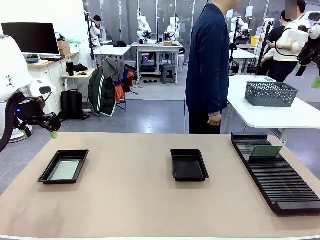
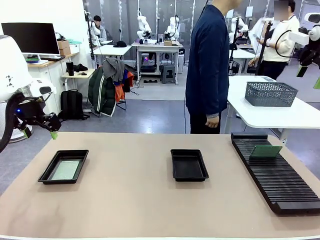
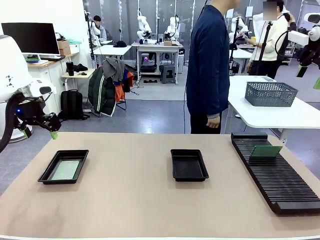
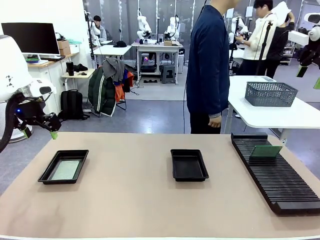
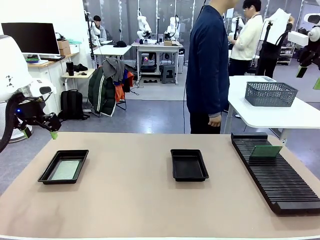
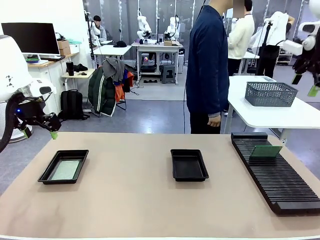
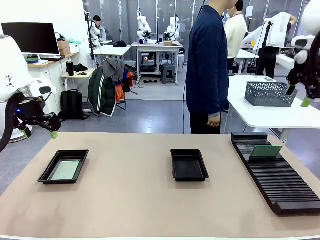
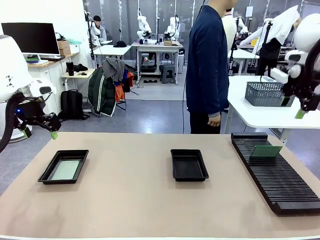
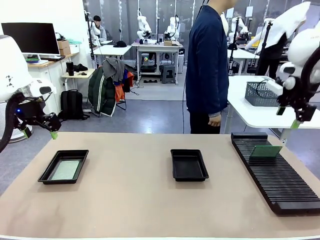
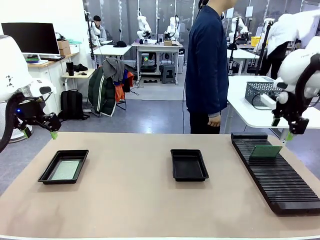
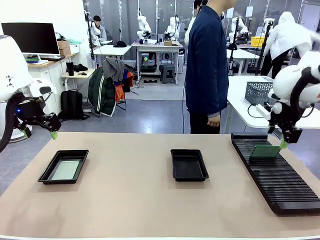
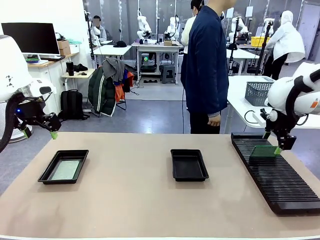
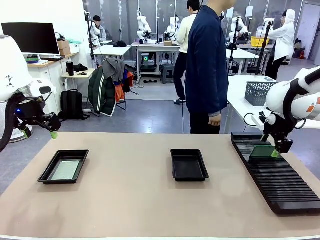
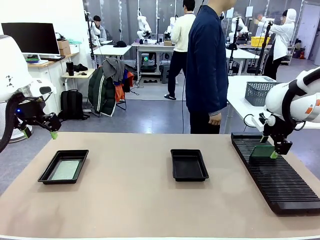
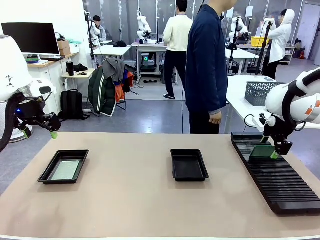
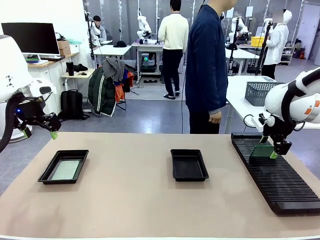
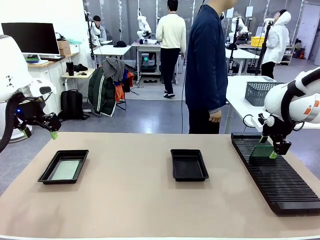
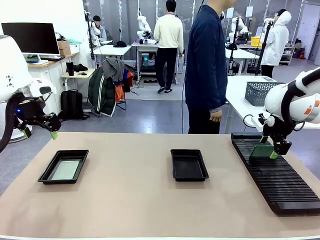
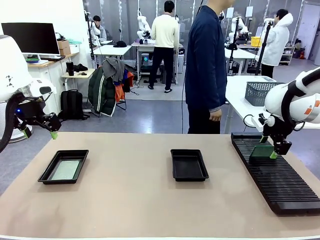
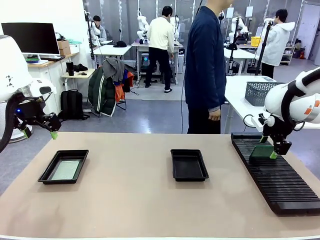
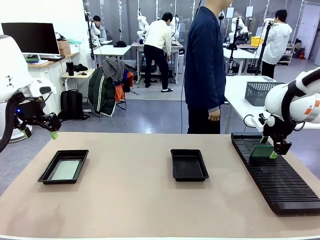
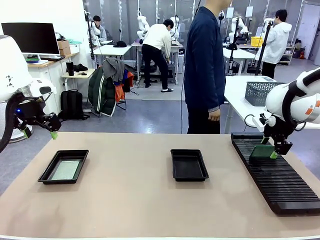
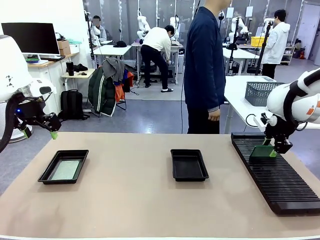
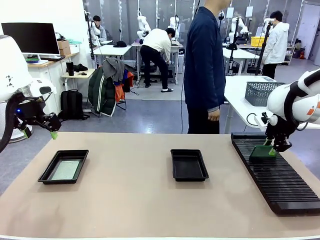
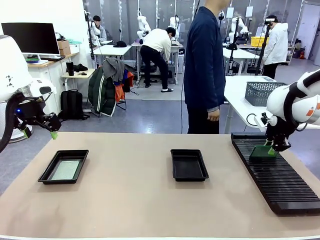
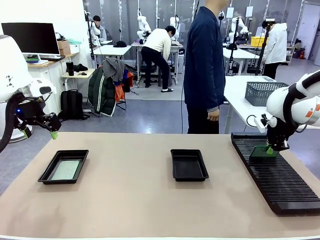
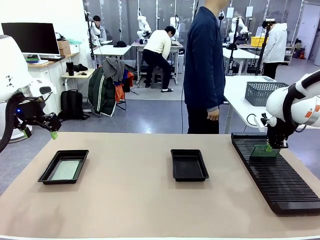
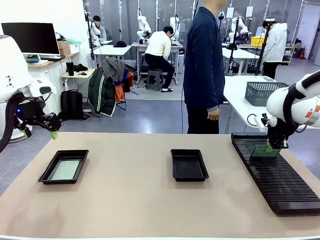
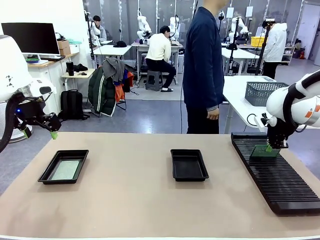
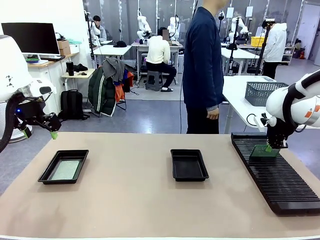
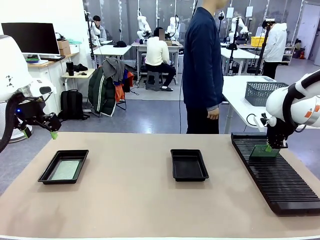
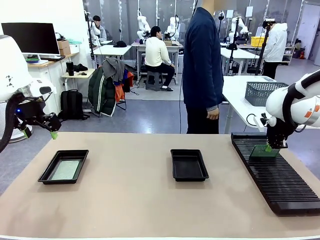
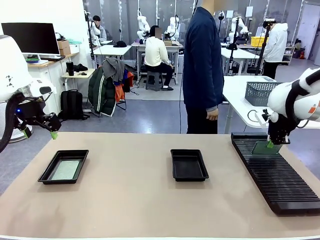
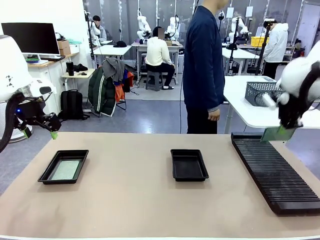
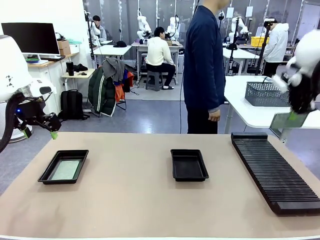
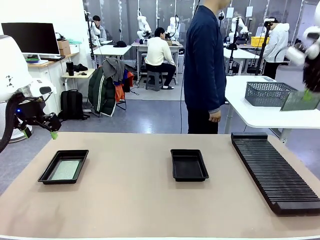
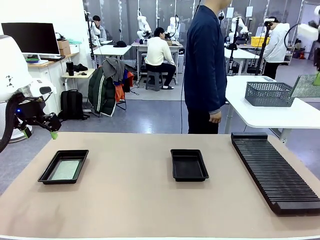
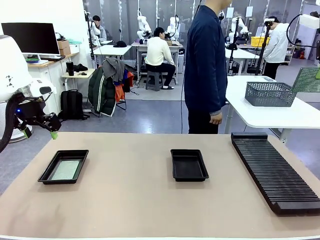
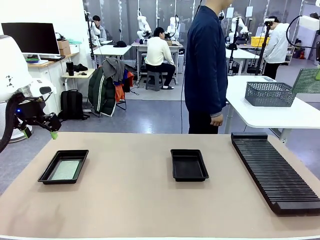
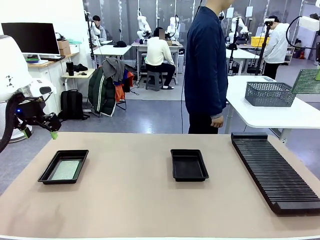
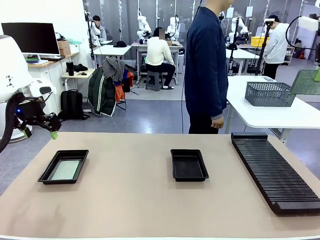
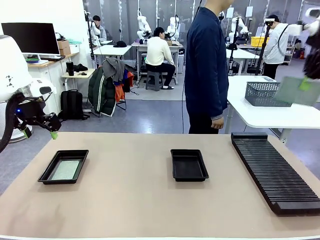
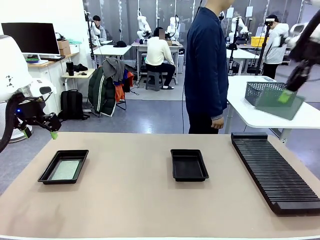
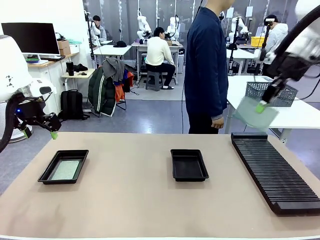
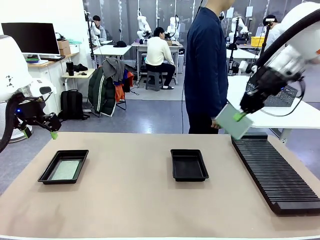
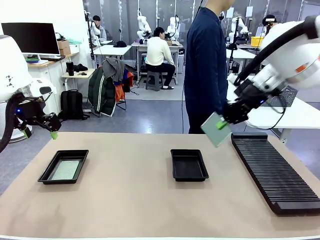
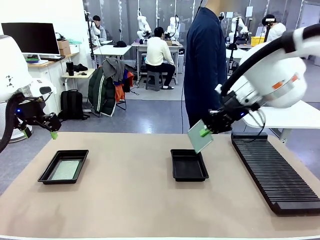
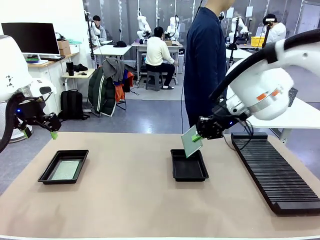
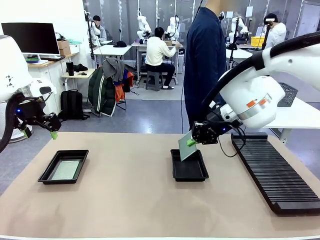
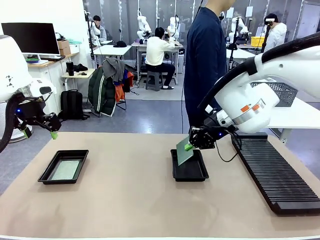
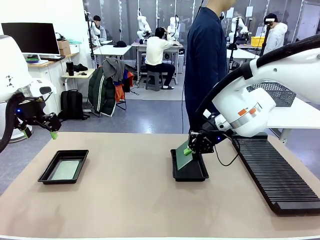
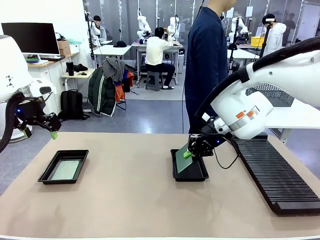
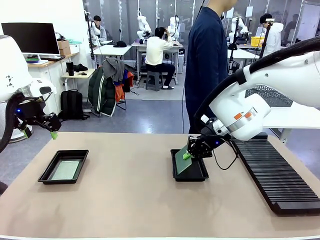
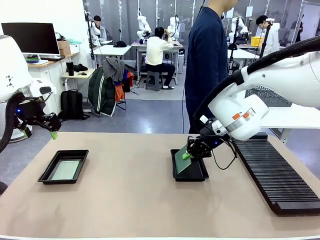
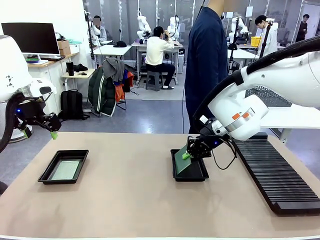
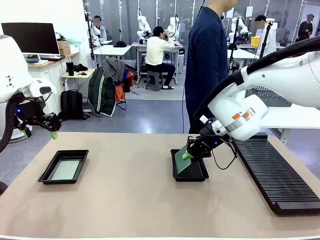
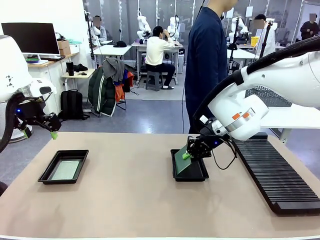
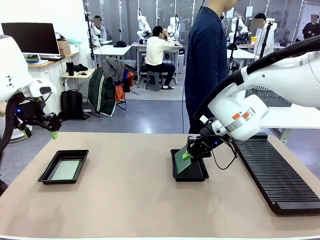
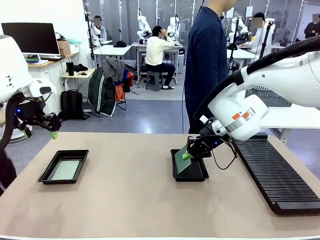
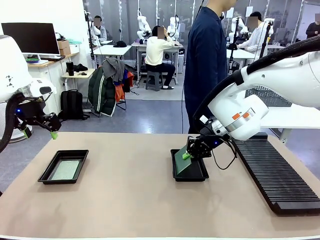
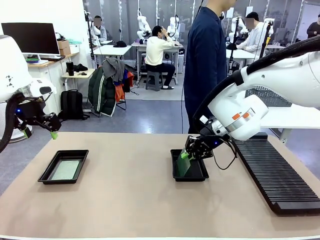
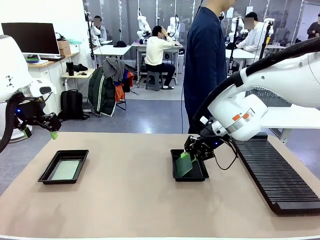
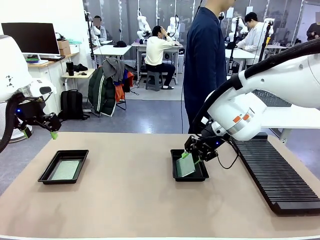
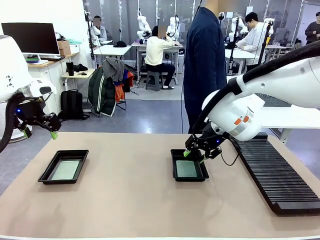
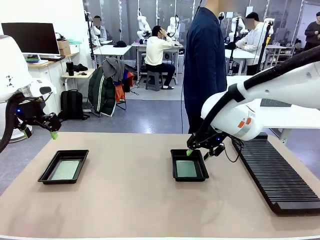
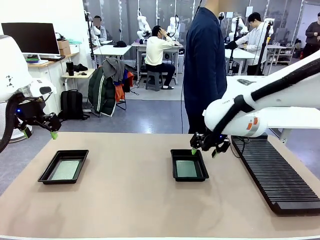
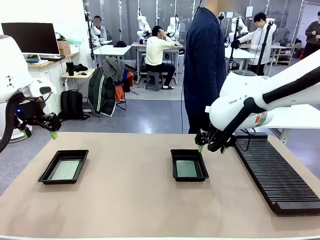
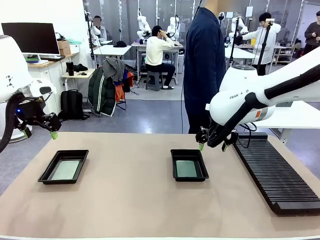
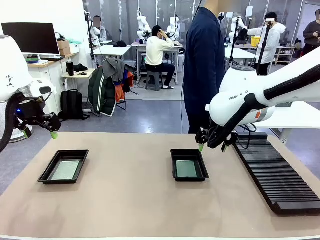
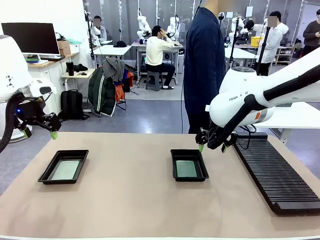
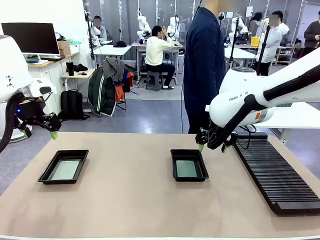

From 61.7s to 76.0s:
Task: Inspect and transfer BCBs to ESD trays.
Robot: Pick up the Blank PCB from the PCB Rack and place it in the right ESD tray.
